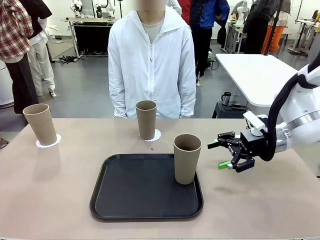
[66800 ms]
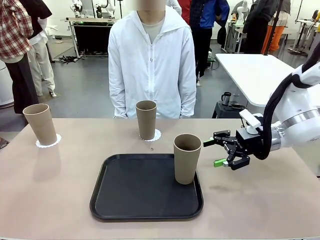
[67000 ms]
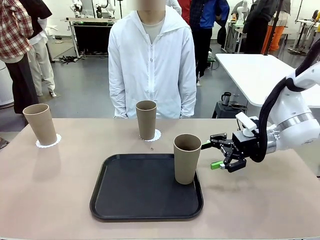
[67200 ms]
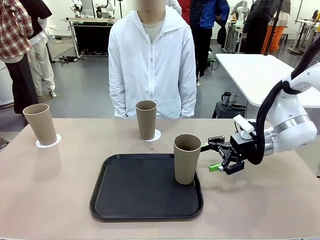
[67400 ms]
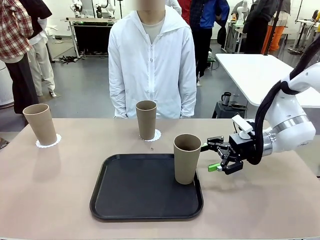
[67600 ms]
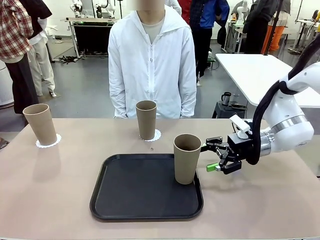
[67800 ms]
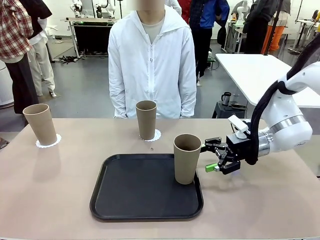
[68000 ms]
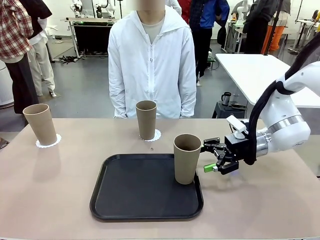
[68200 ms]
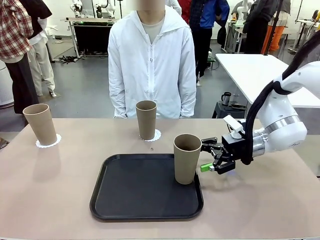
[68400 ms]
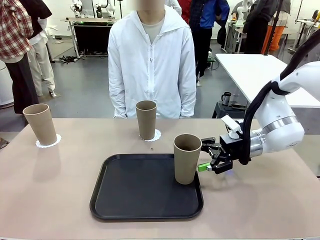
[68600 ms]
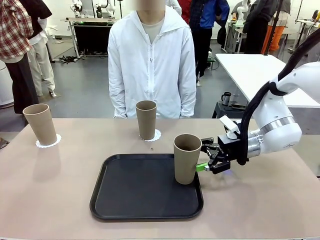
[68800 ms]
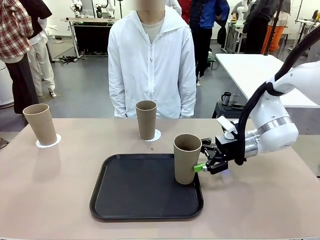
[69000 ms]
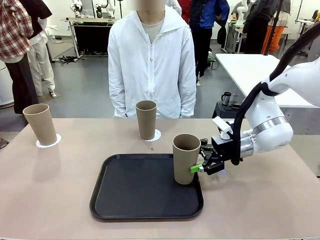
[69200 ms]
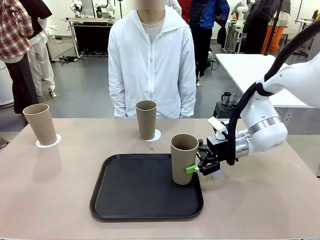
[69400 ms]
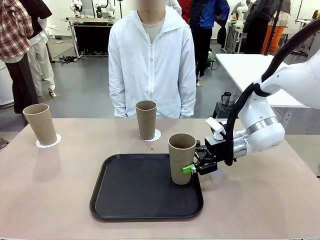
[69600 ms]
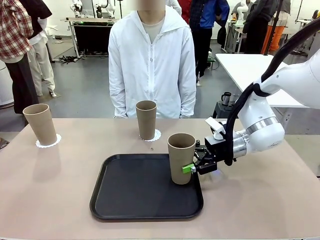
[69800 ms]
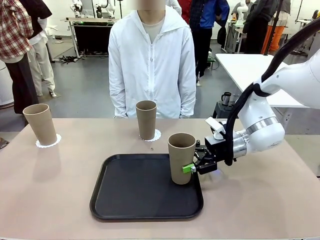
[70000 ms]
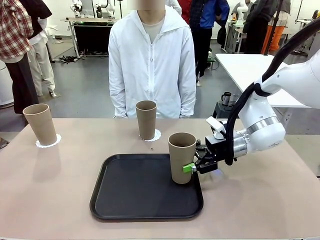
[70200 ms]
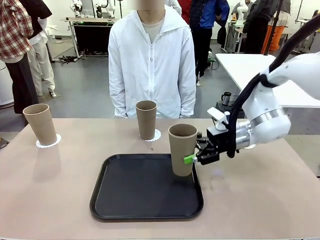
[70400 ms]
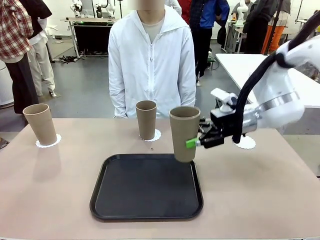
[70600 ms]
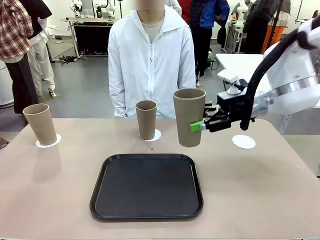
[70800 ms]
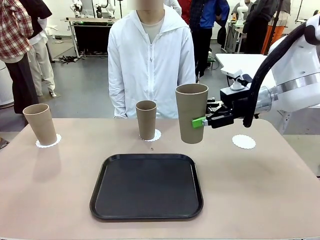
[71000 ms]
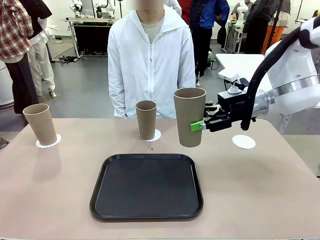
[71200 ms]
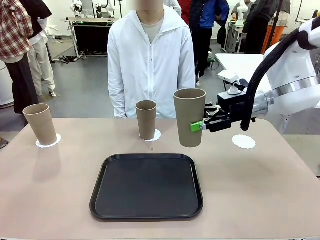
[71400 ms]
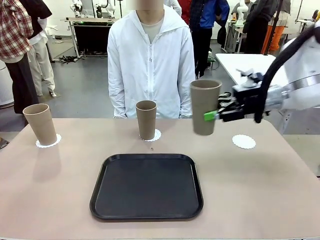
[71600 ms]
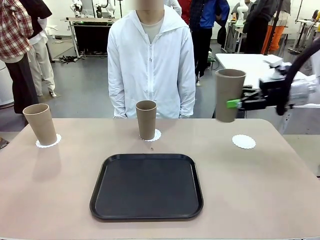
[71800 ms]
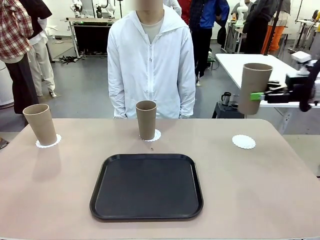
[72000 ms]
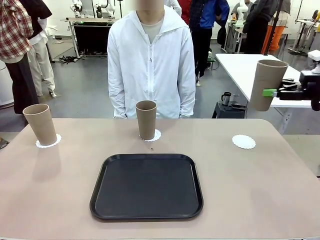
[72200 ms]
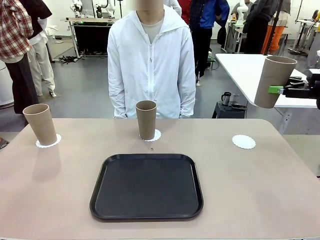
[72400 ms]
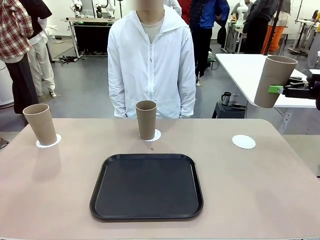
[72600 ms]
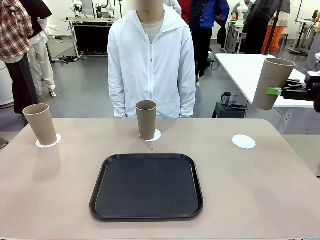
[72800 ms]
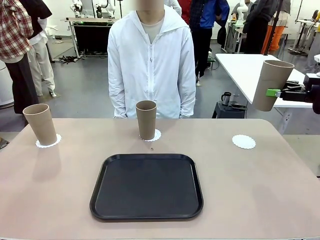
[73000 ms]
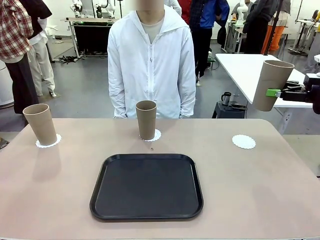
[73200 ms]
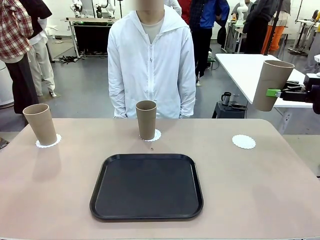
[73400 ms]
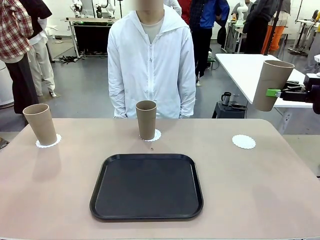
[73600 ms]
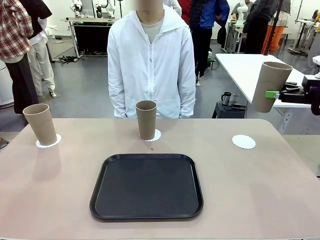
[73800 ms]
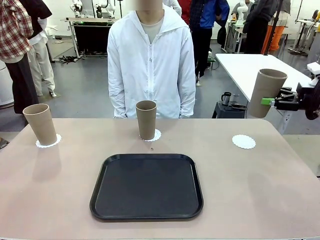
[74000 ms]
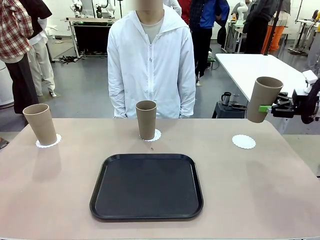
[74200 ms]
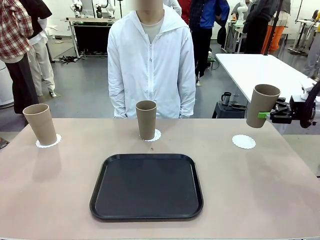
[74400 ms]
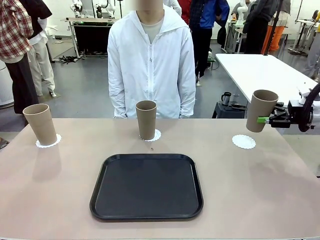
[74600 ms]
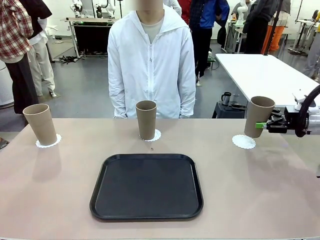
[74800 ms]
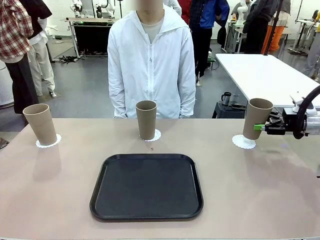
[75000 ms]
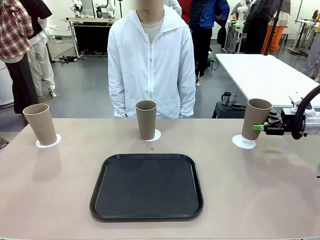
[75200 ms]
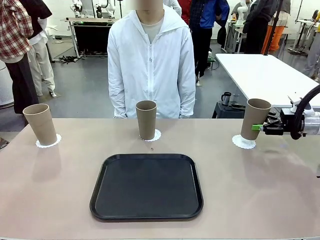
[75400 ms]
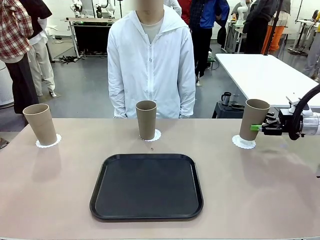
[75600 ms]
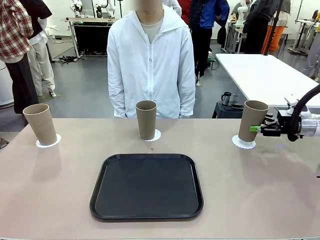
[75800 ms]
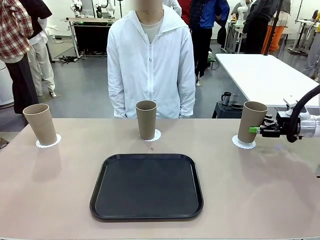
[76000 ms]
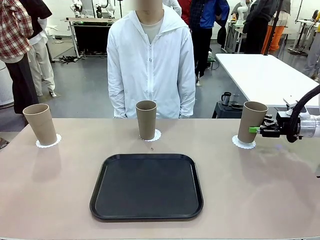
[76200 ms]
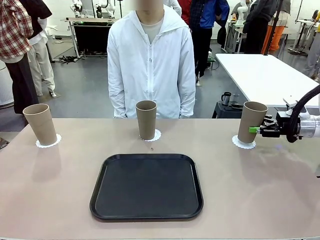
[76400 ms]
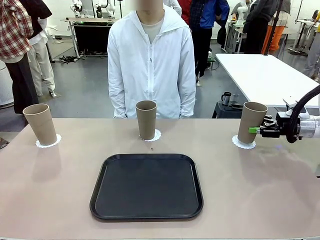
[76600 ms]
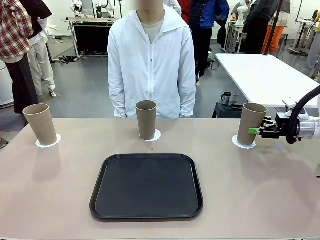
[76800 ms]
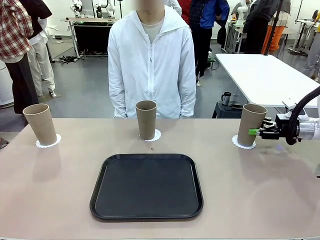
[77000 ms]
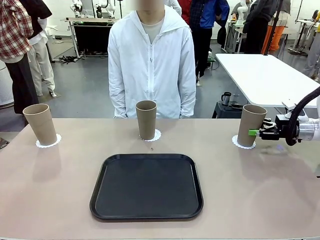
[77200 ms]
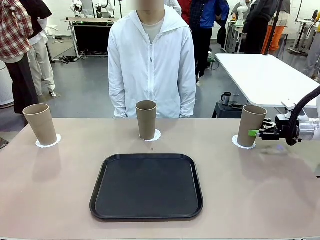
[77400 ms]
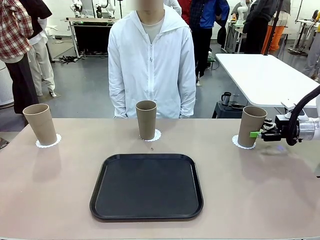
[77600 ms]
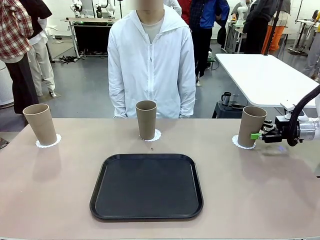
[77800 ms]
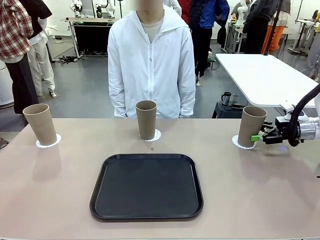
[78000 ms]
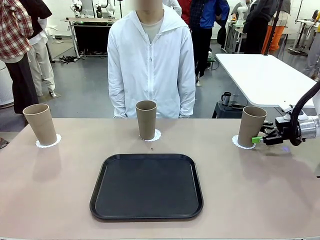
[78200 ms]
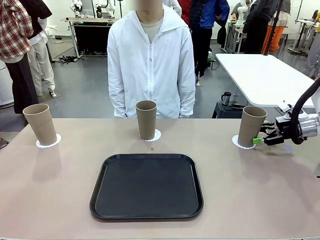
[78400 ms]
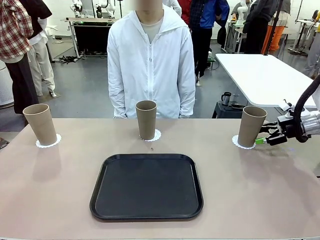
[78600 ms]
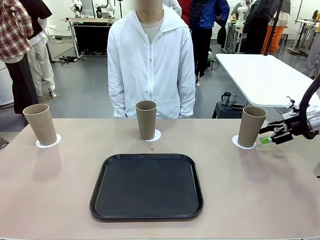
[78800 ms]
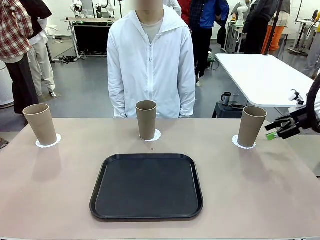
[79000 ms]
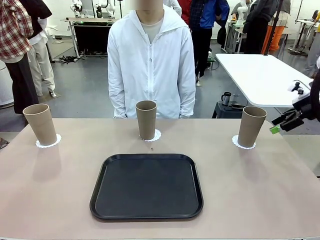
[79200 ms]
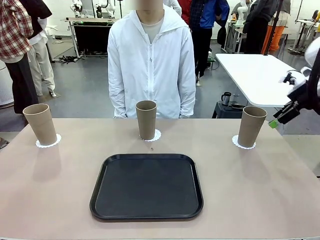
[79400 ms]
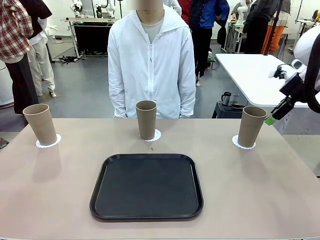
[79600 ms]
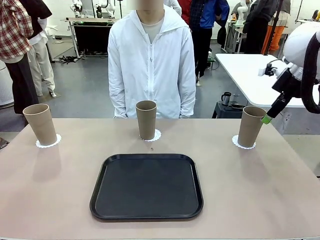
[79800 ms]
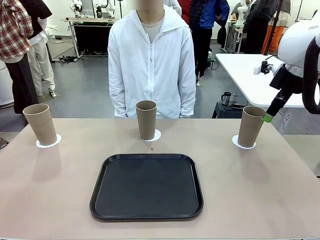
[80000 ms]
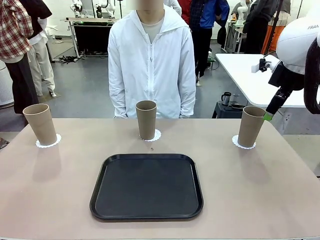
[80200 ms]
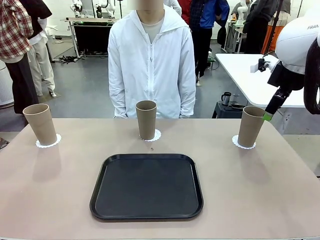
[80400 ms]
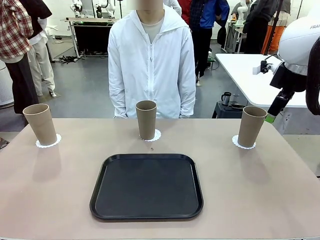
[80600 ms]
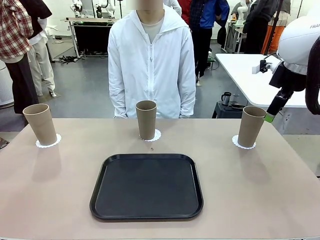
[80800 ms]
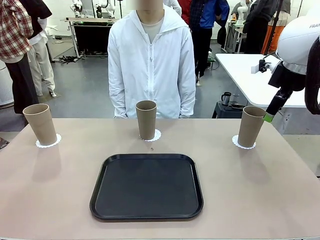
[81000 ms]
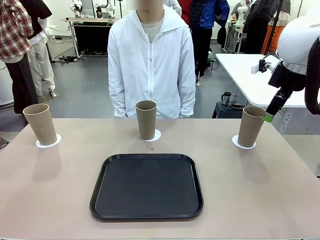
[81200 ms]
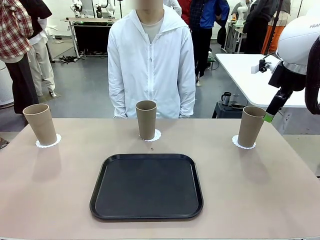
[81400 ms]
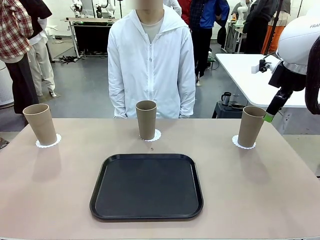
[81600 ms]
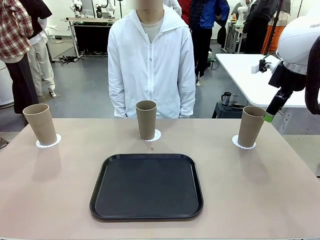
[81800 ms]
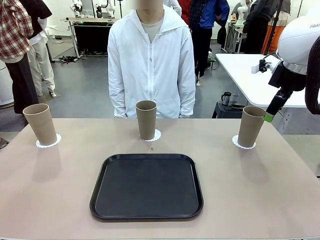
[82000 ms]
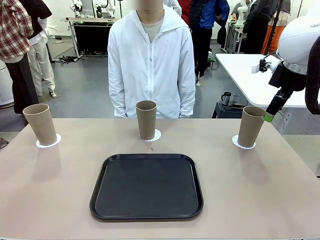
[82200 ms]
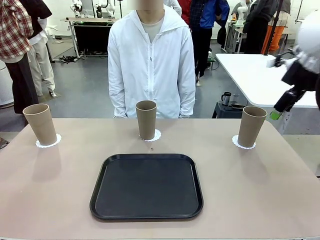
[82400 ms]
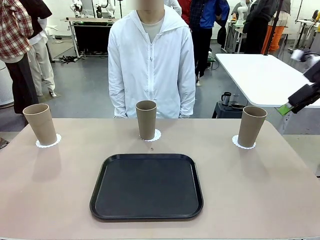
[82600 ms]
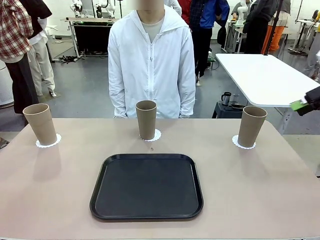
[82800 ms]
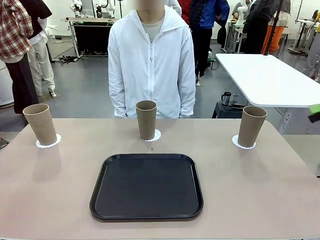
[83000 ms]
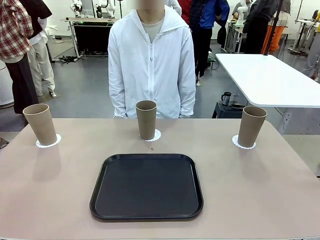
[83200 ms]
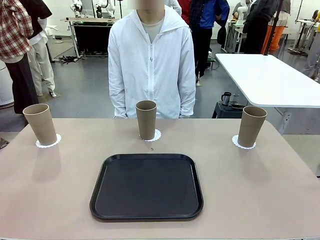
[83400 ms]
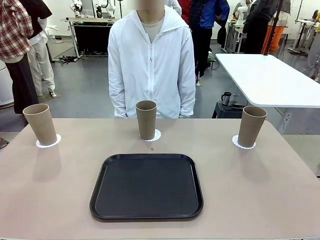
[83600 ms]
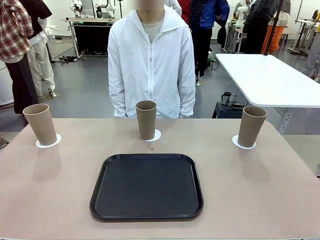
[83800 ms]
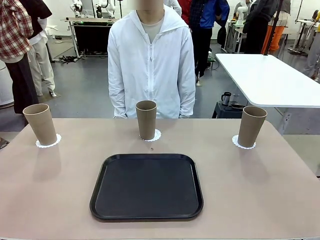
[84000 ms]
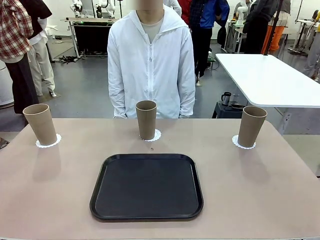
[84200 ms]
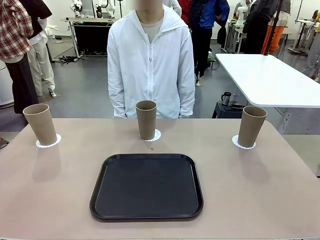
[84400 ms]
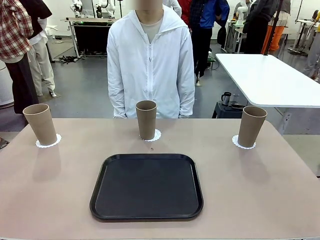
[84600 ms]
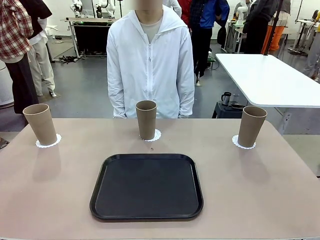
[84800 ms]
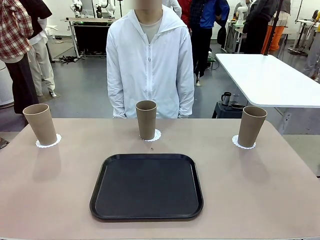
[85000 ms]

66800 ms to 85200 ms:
Task: Place coasters on the table and set cups on them.
Robot: Take one Reusable plastic cup from the Flat Tray and place it on a coaster set by the human.
